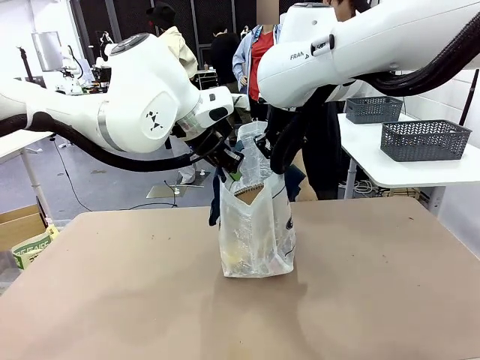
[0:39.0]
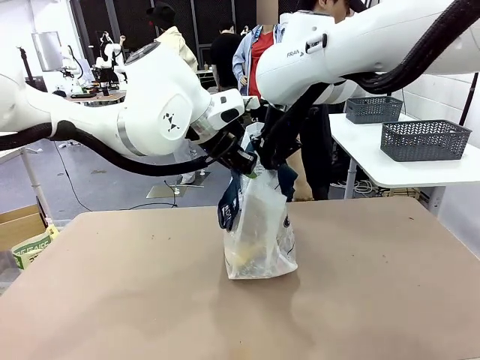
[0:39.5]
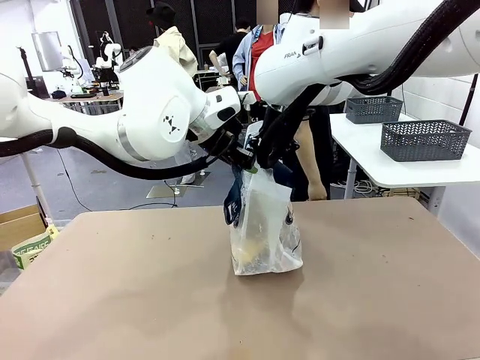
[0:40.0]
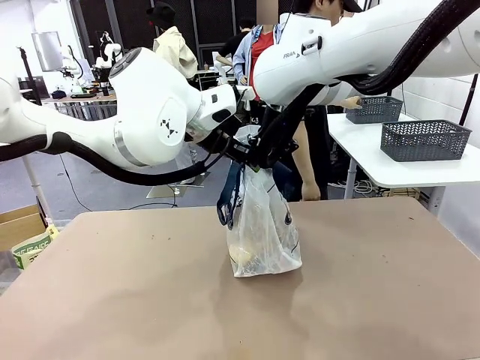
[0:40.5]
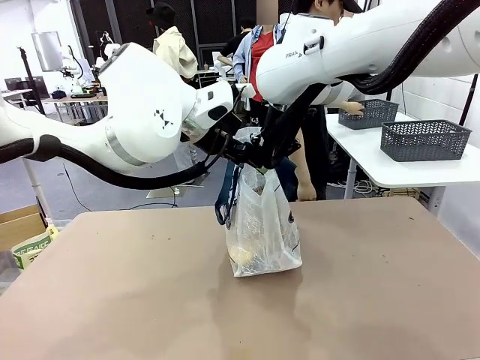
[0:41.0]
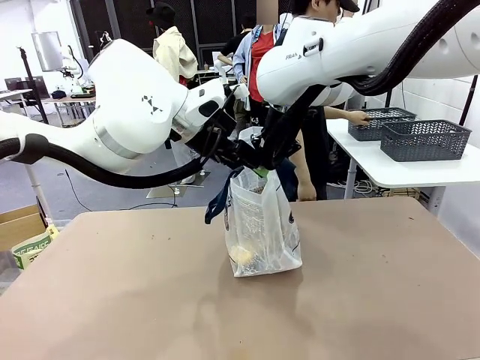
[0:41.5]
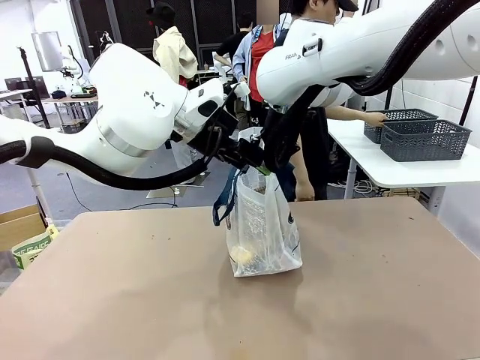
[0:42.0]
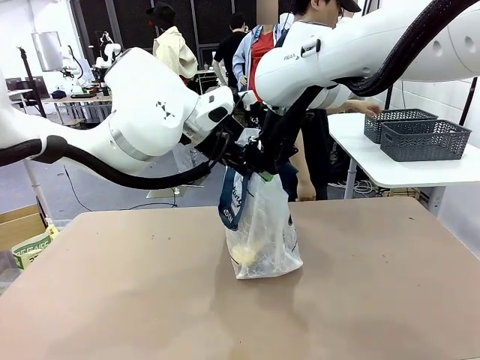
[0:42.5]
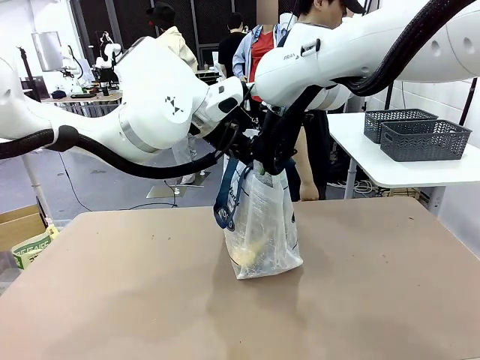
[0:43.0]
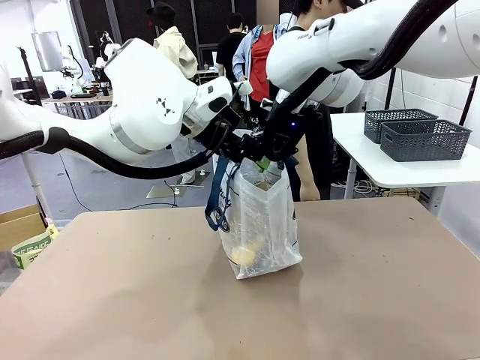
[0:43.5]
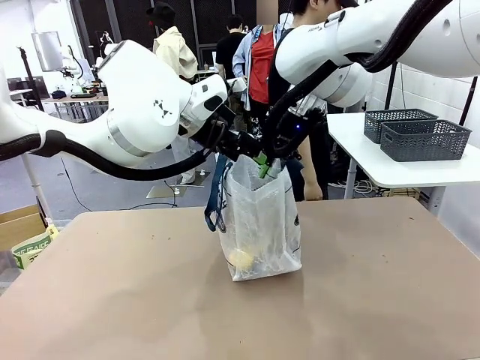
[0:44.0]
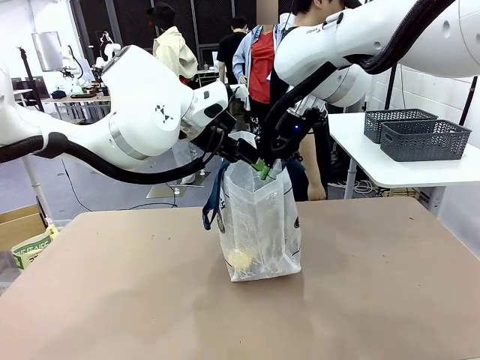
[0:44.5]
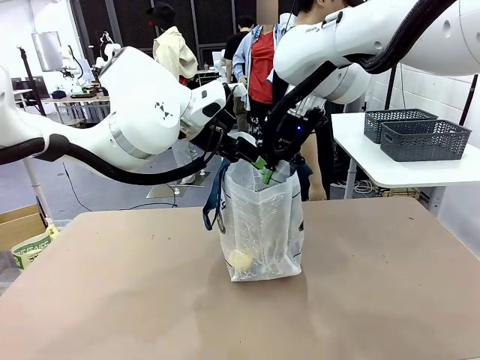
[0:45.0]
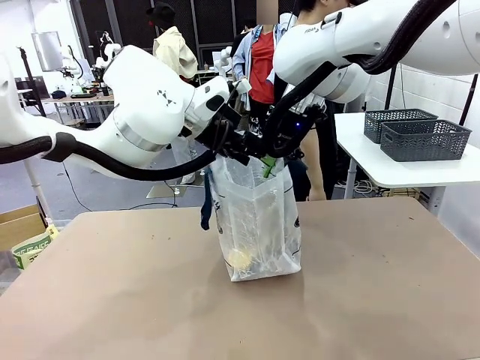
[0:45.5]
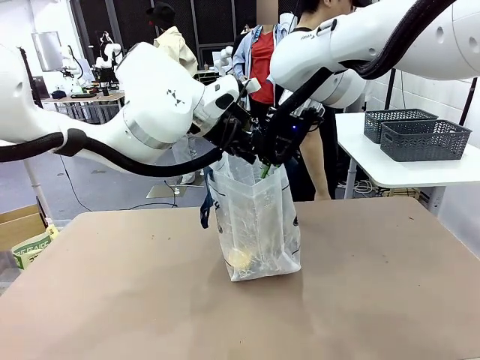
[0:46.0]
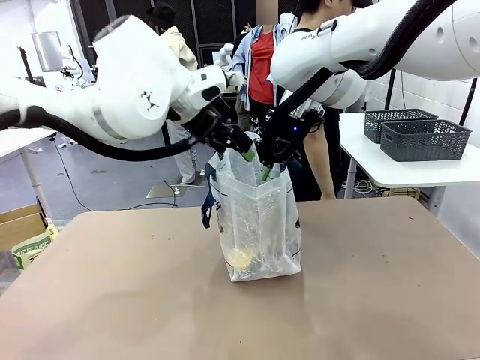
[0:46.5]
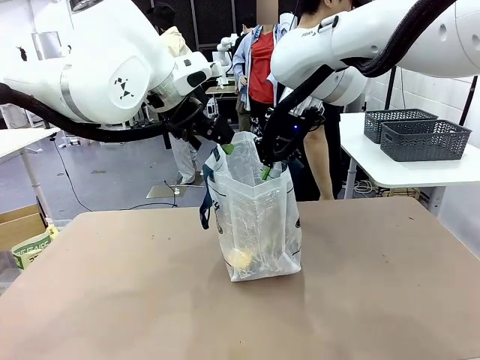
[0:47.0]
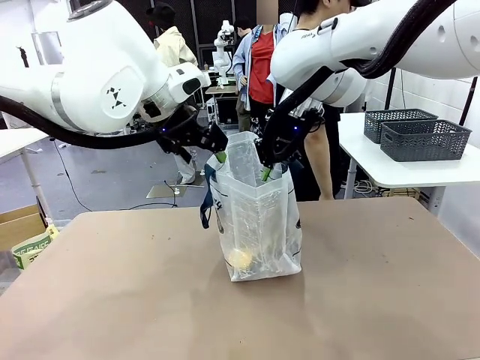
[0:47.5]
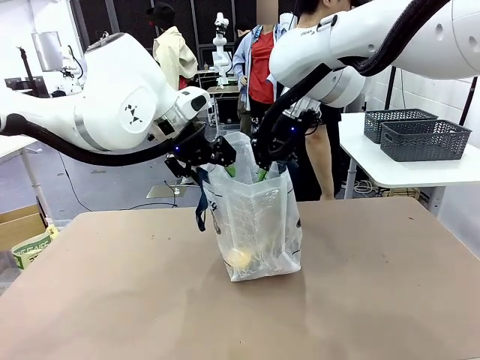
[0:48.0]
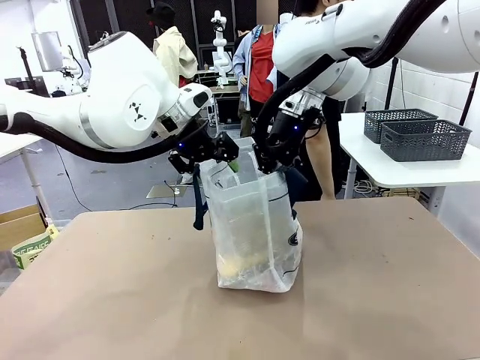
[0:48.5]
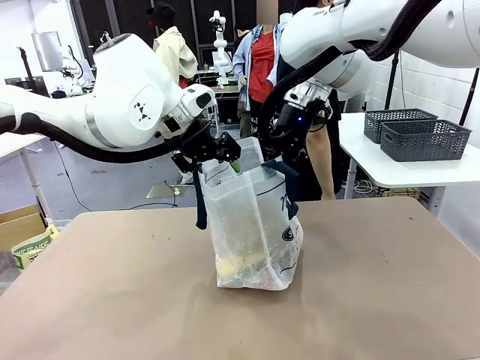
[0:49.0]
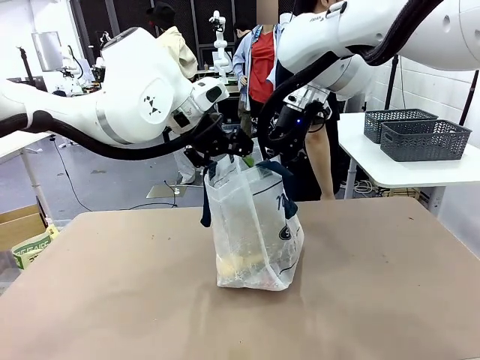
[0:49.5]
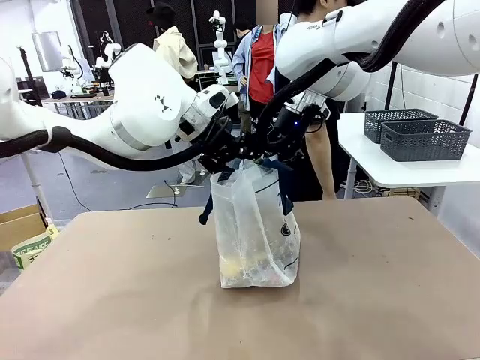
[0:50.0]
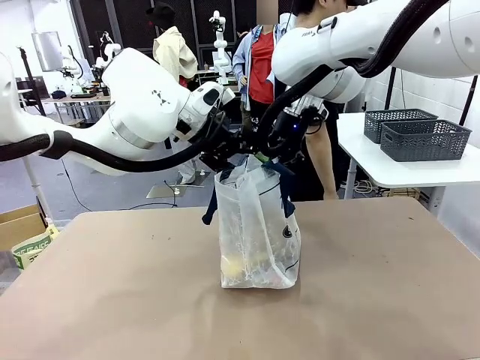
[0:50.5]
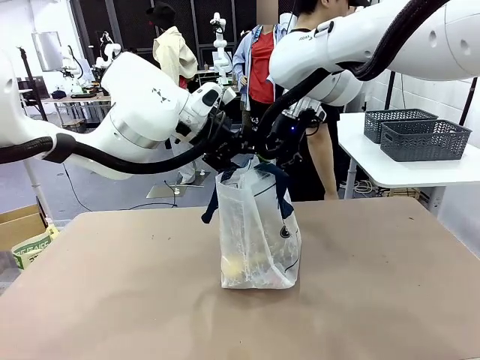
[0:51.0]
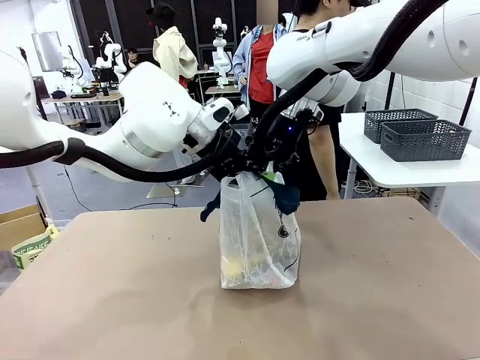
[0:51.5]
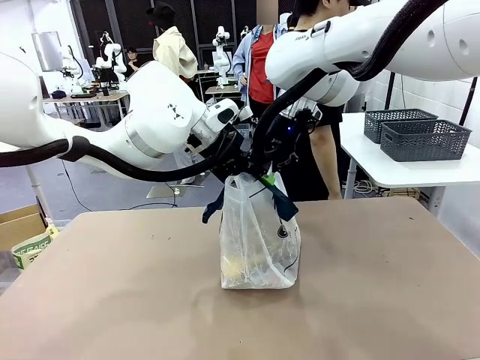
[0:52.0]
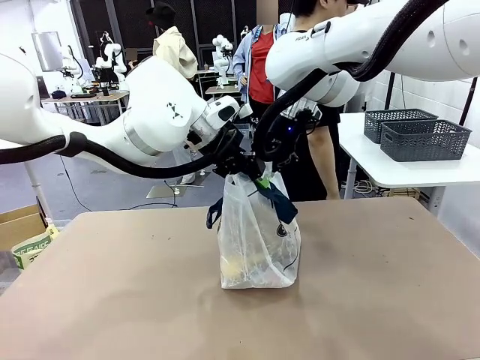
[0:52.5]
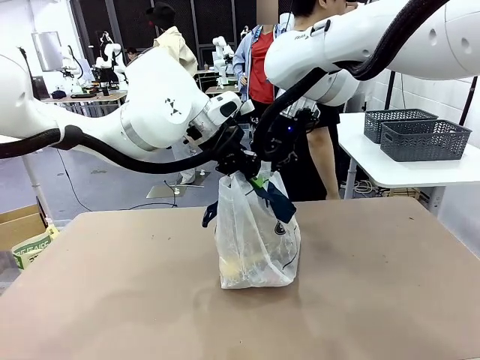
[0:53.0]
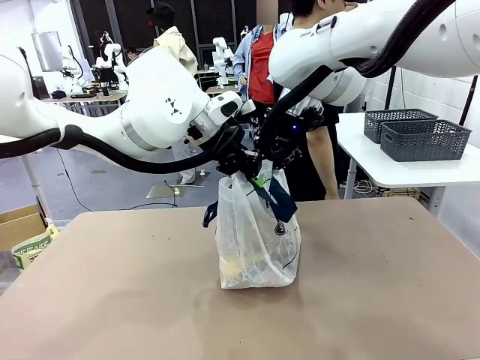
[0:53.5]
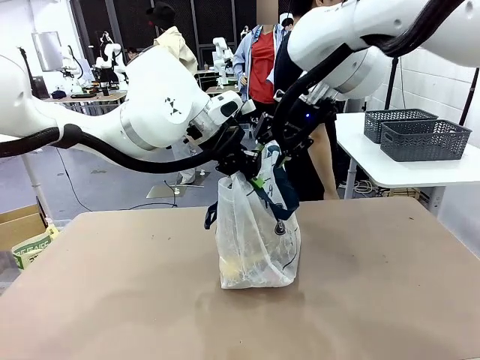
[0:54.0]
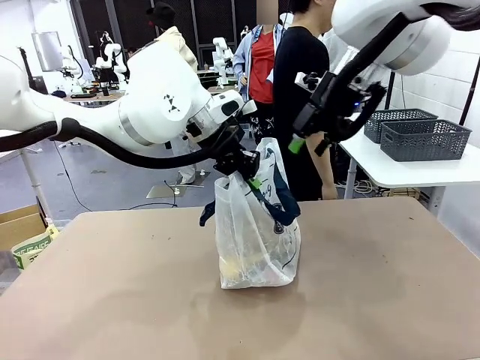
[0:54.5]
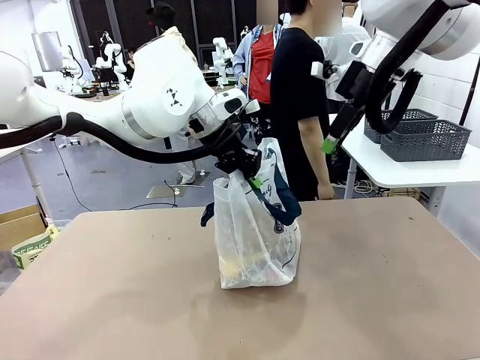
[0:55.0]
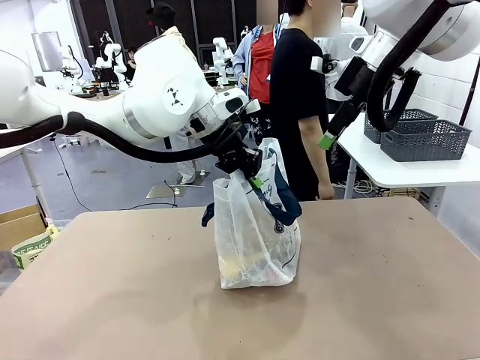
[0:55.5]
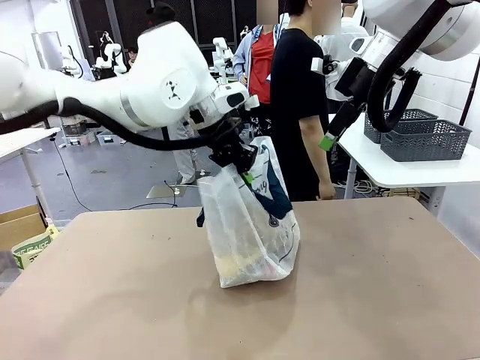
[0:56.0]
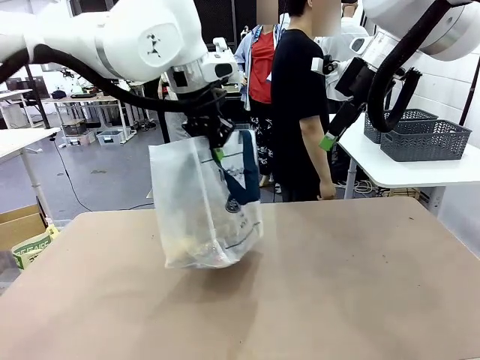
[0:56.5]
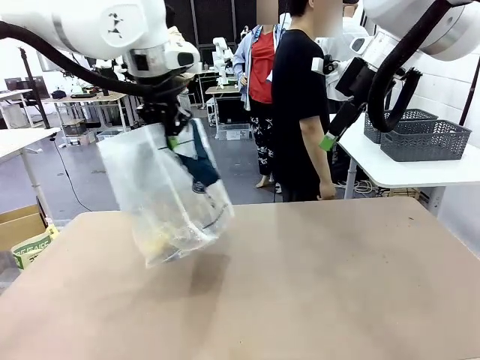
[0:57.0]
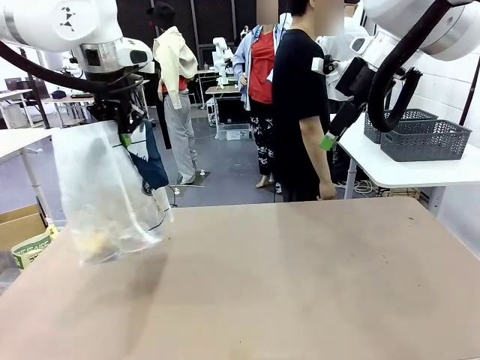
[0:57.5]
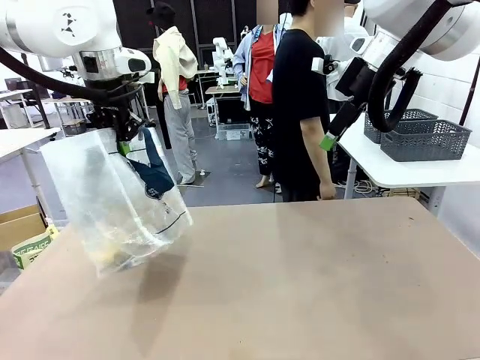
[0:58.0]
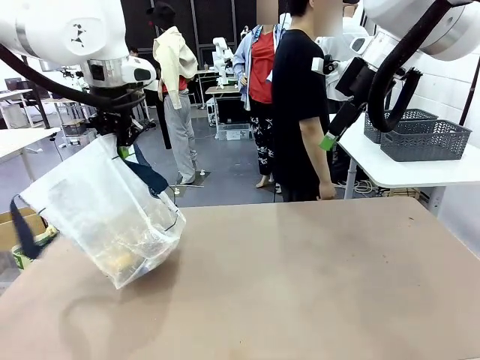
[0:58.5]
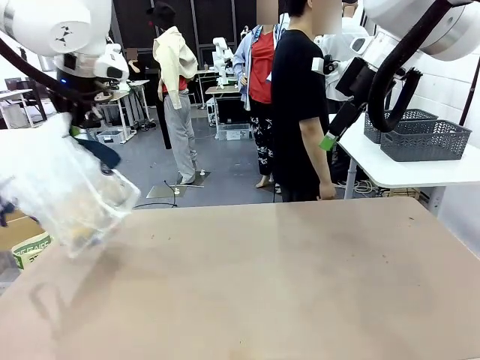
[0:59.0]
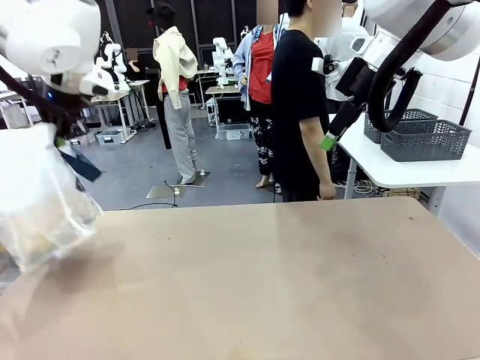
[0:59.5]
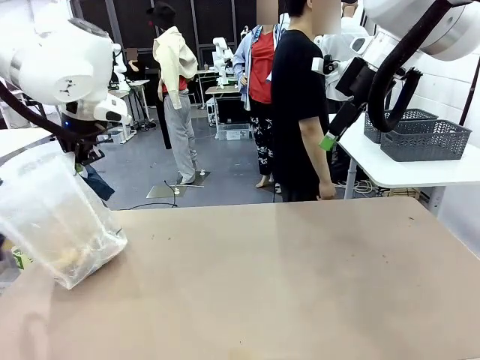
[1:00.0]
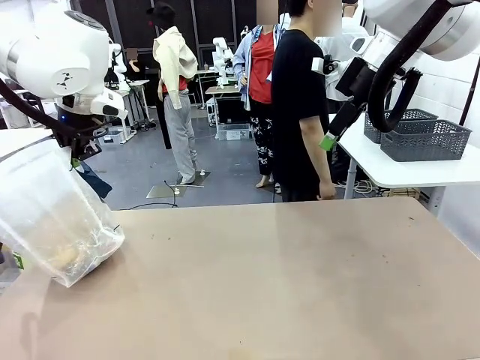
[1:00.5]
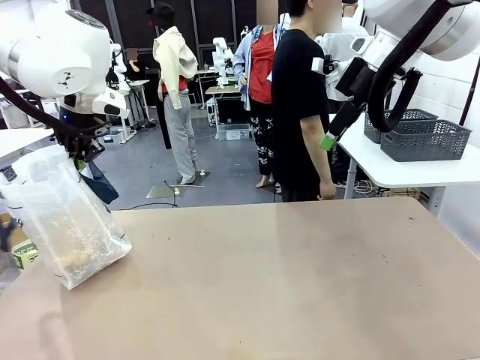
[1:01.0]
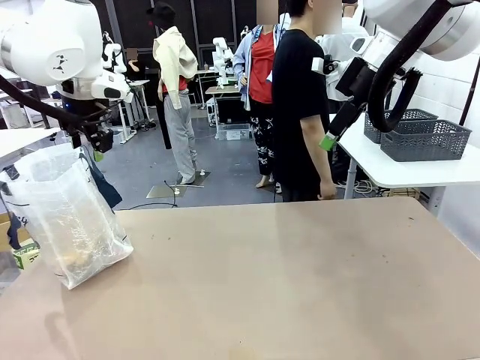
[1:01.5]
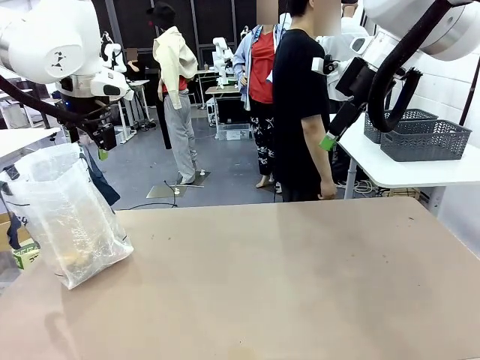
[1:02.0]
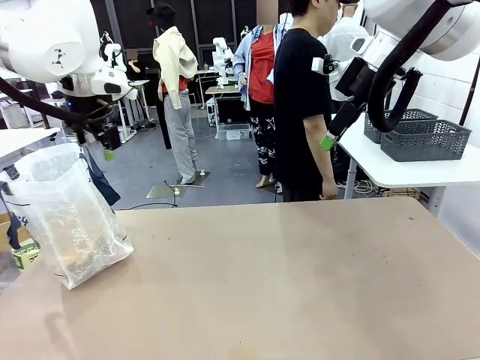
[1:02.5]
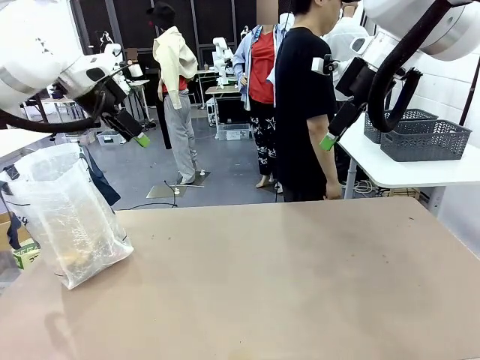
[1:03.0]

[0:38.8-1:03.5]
Task: Transfer purchased items from the store into the shopping bag.
Robot: Move the Reusable shopping bag to the right side of the table.
Person: Move the basket on the left to the middle of the person's table.

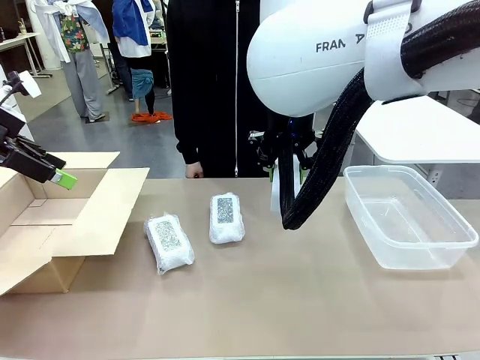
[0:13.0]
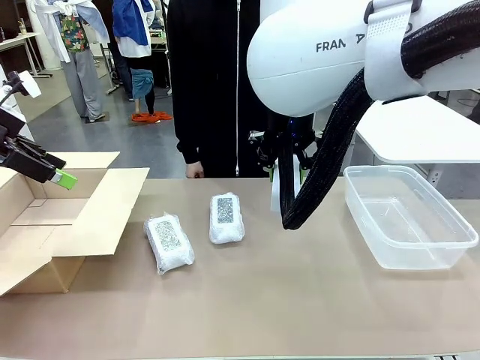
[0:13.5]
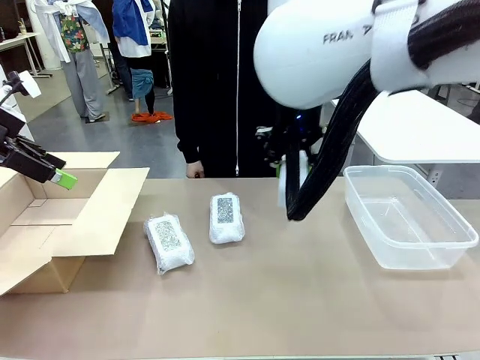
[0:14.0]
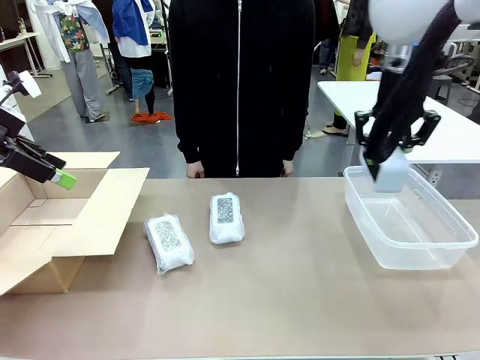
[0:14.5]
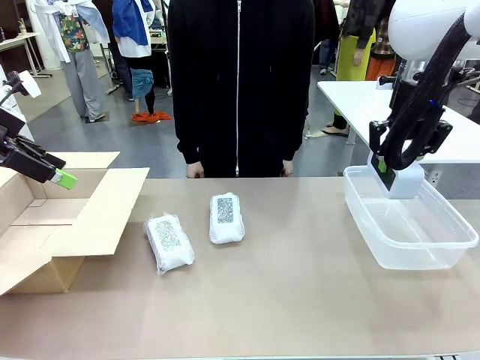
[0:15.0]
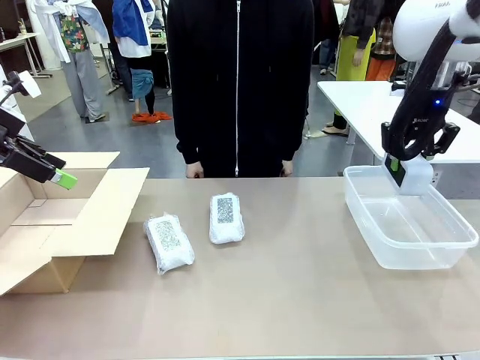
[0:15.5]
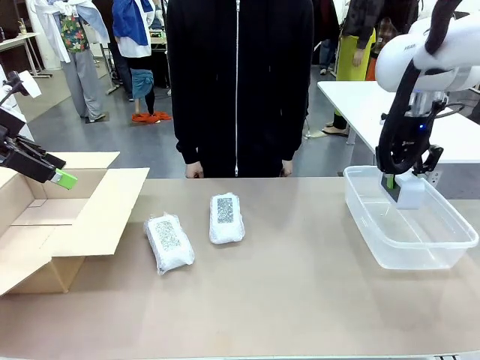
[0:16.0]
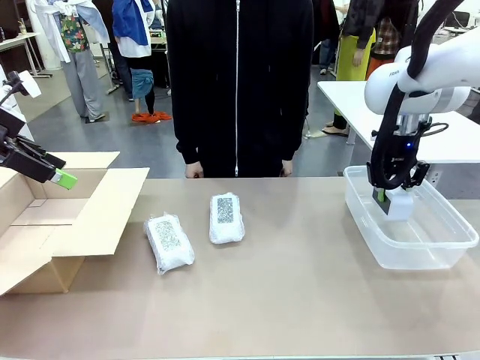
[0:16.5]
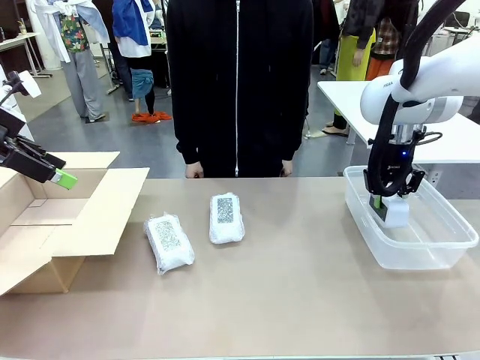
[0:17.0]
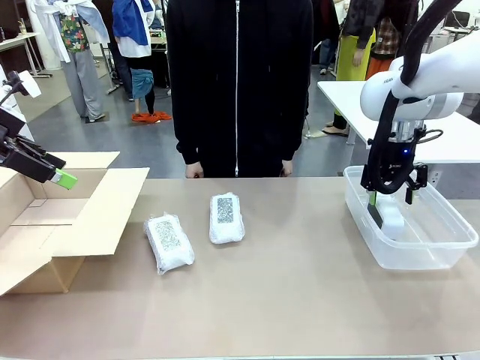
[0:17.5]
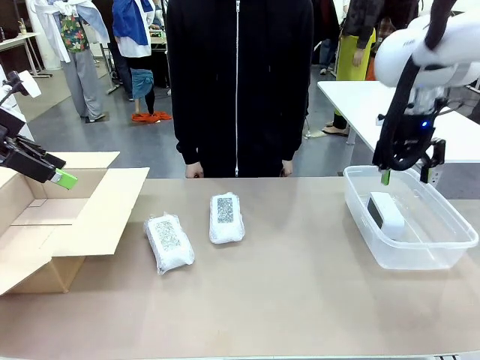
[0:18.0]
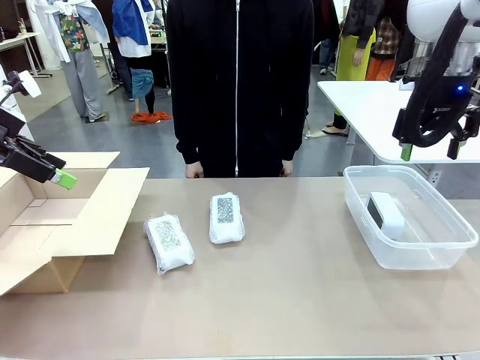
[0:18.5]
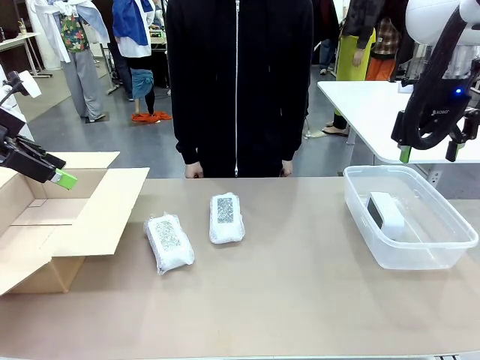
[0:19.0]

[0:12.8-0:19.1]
Task: Separate and place wrapped and unwrapped clocks.
Robot: If the picked Digital clock is wrapped, place it in the Package Box ; if not, place it in the Organizing box.
